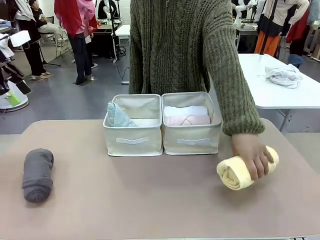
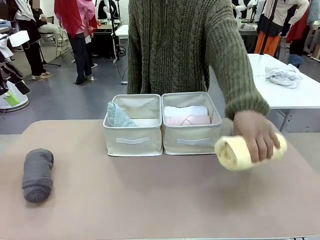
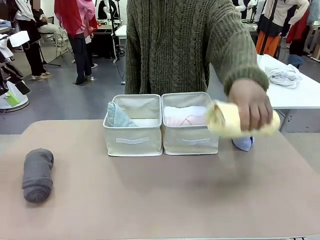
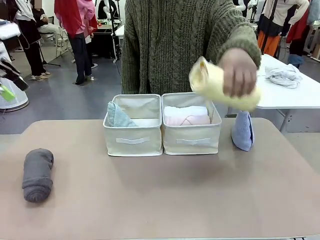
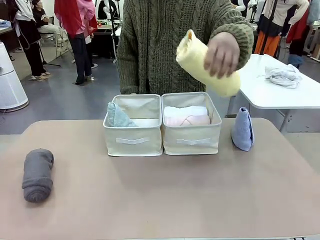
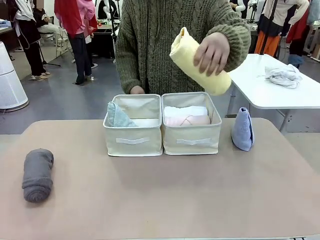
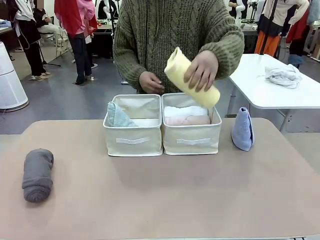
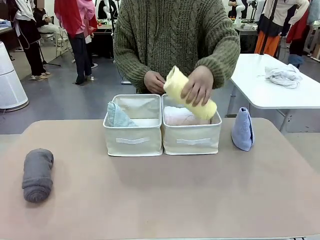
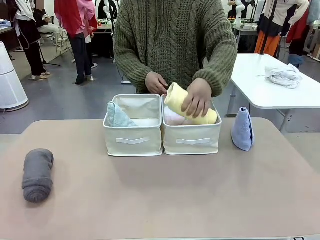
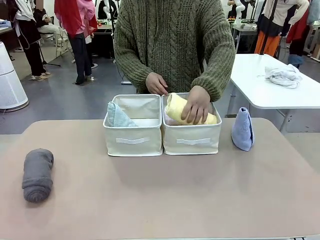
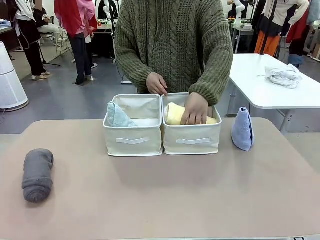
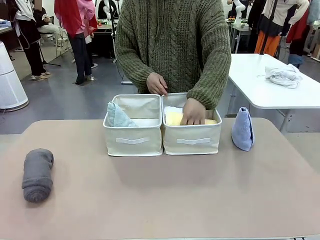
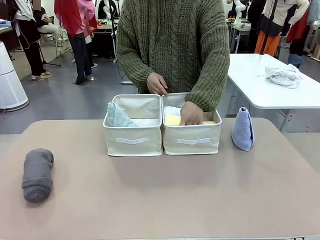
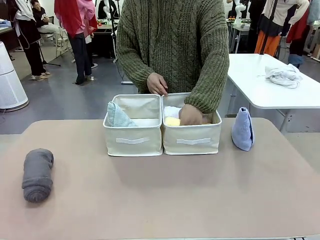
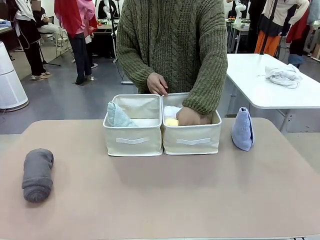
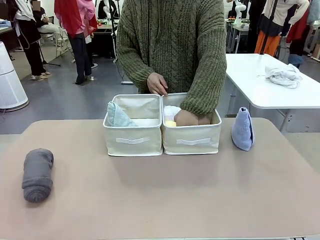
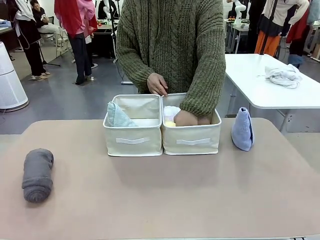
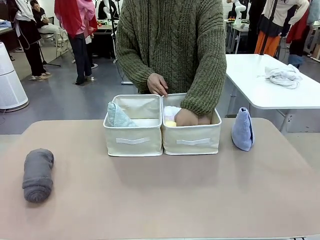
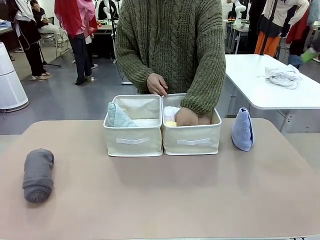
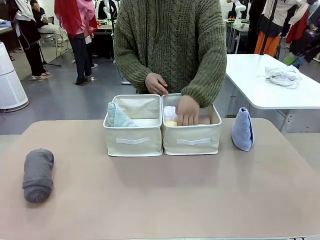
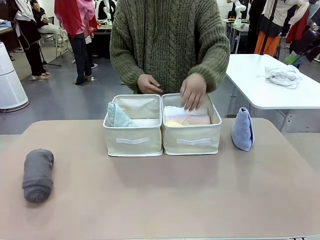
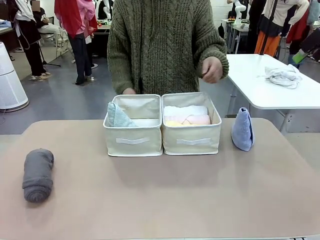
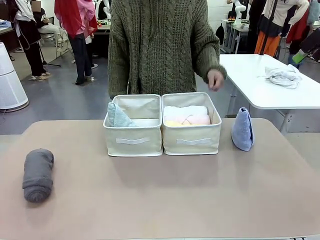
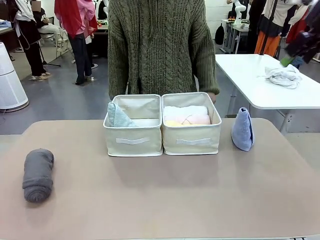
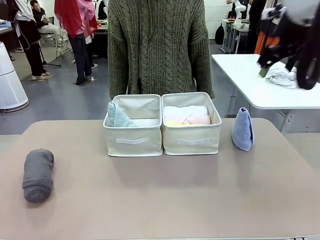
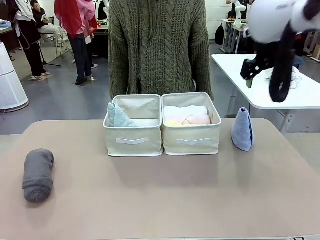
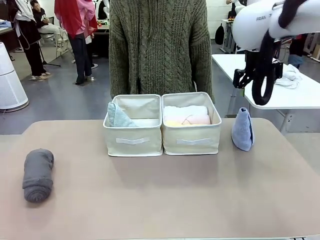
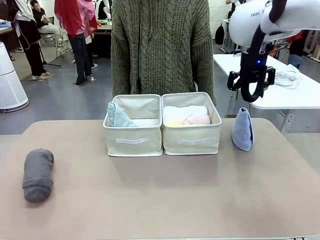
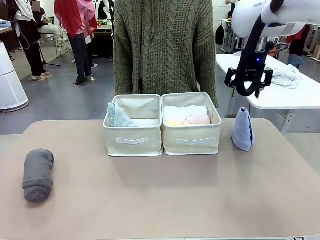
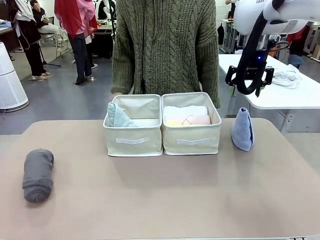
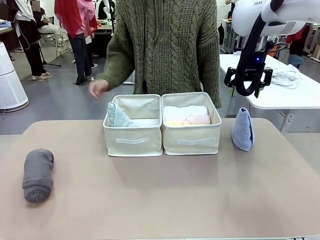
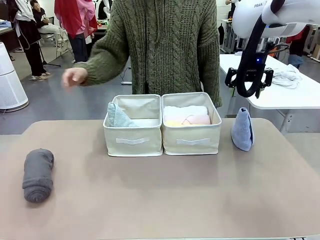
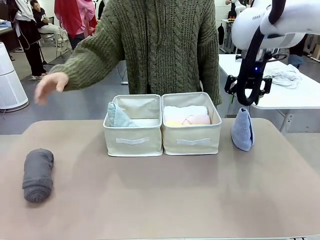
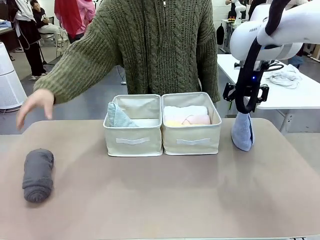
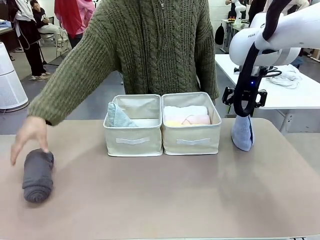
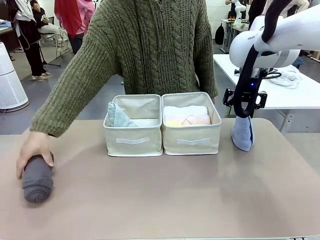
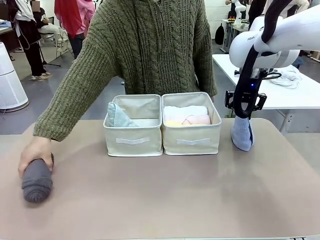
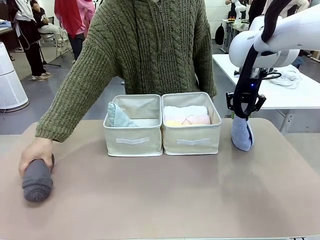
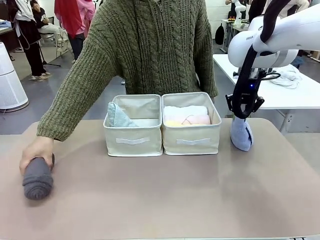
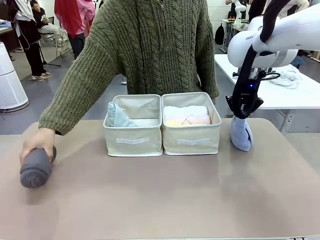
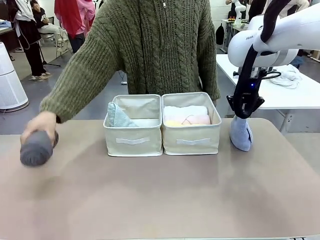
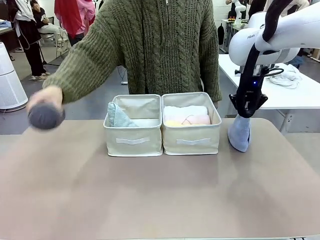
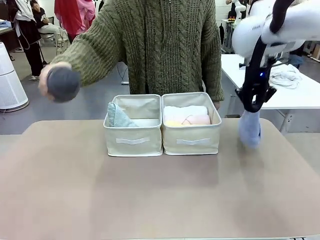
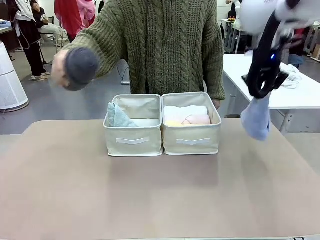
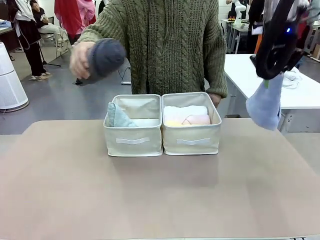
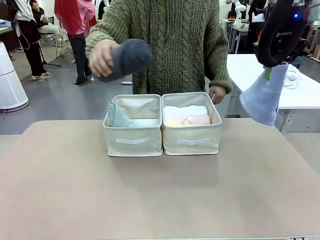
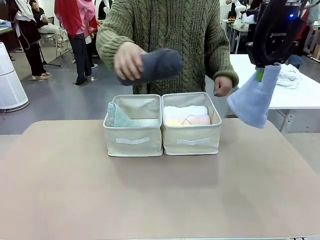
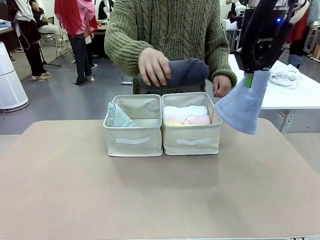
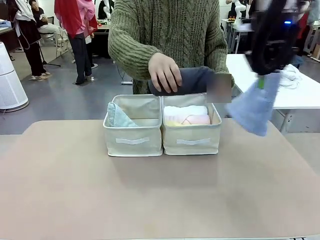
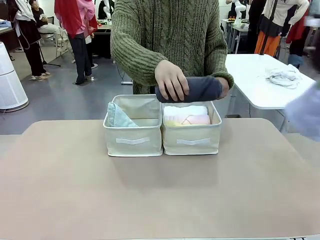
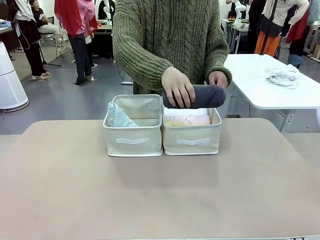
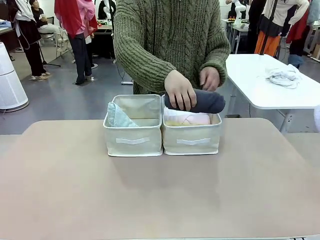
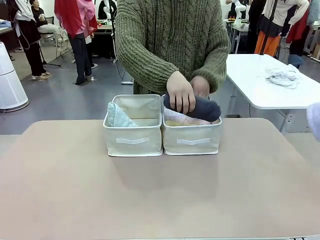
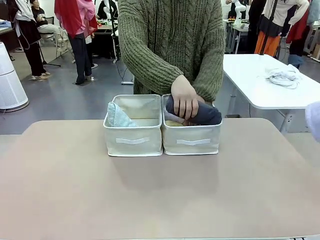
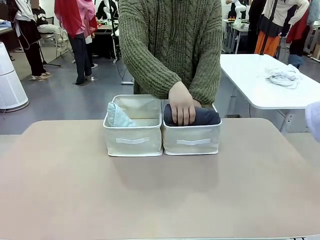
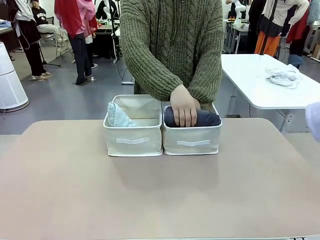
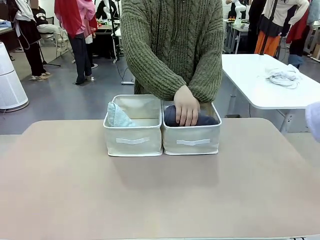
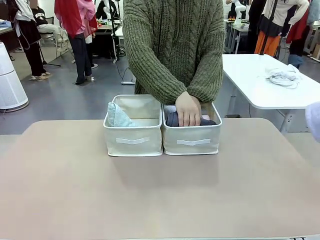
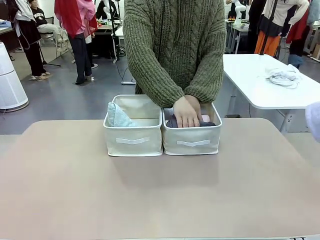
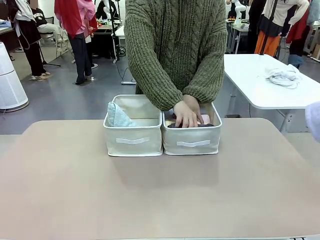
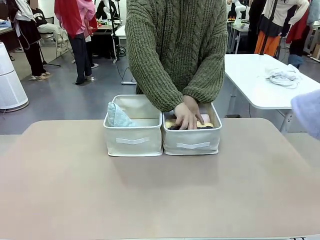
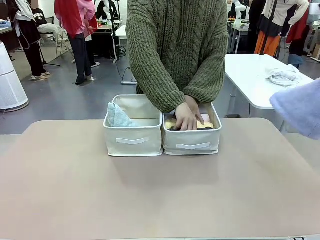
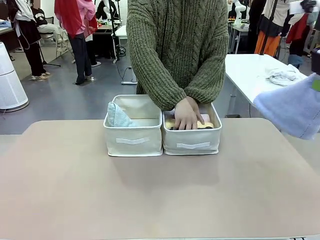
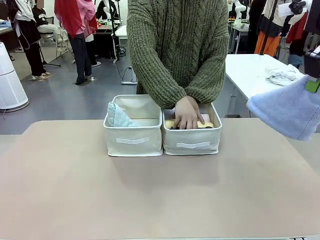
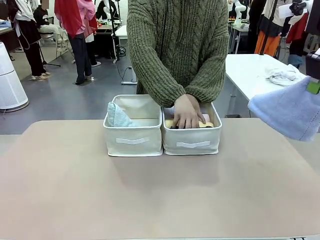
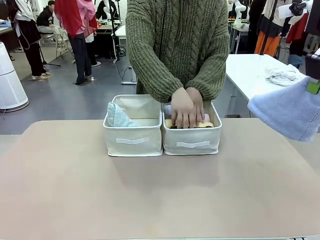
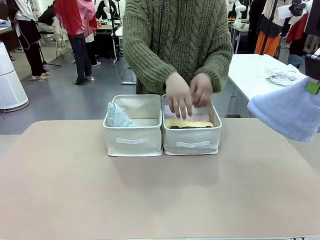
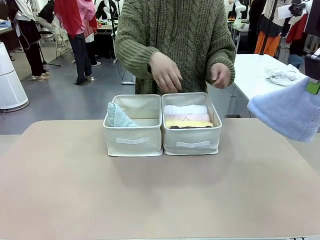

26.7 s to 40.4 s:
Task: Sort the towels based on their folding style.
Robot: Pick up another triangle-folded towel from the table and place it in the left Fabric basket.

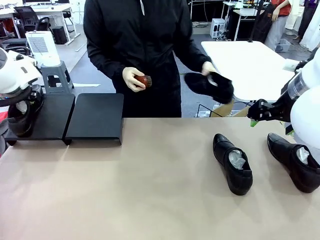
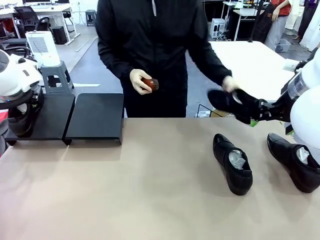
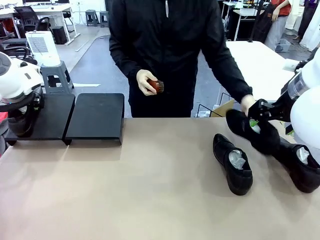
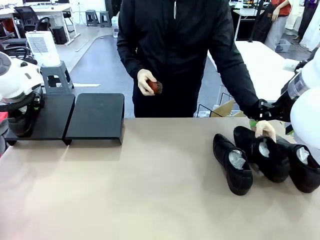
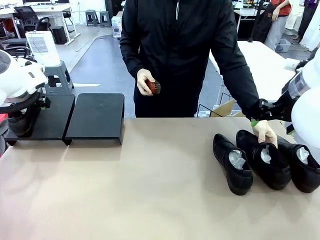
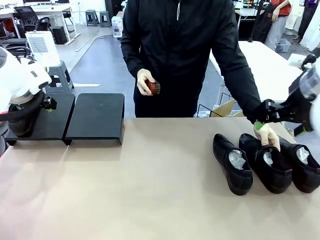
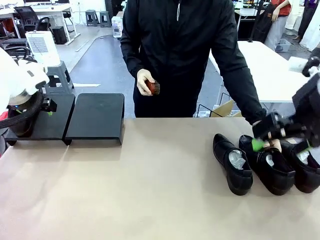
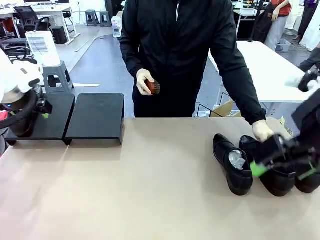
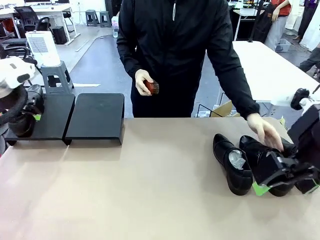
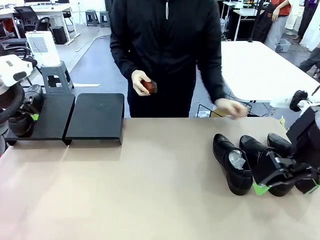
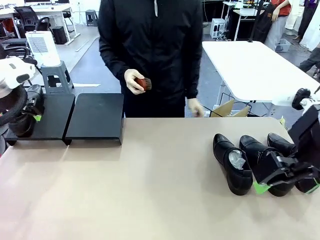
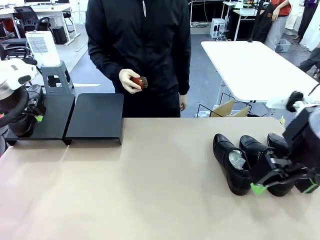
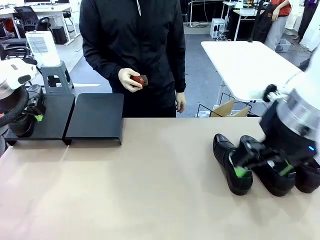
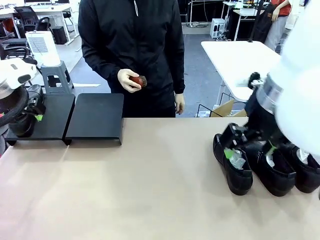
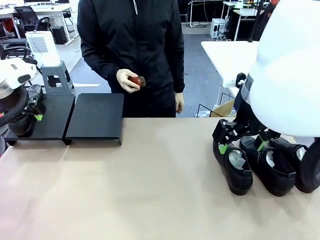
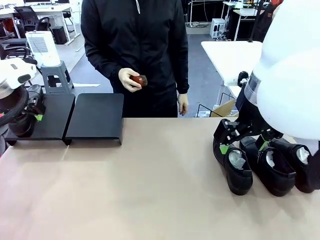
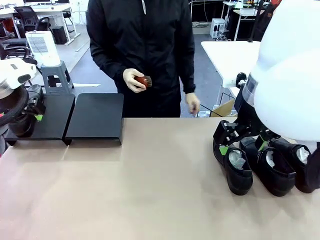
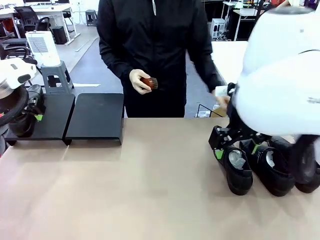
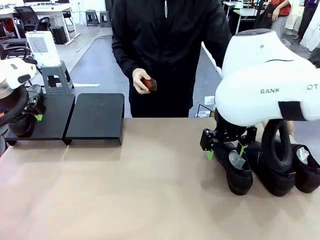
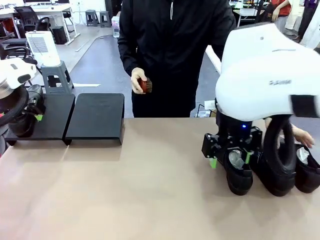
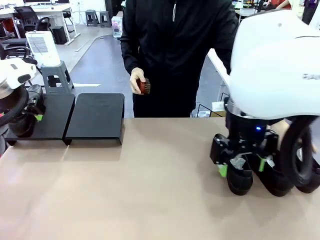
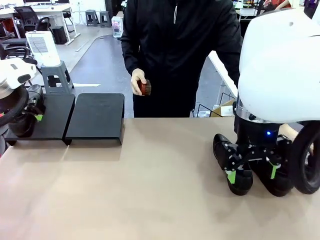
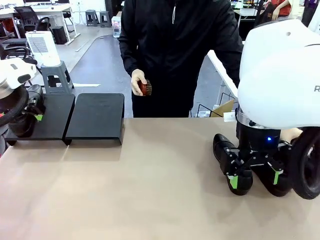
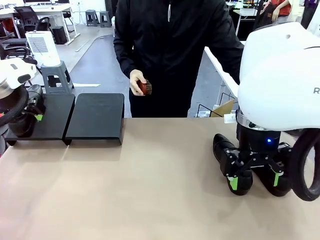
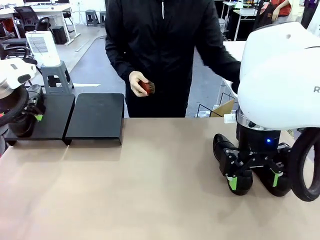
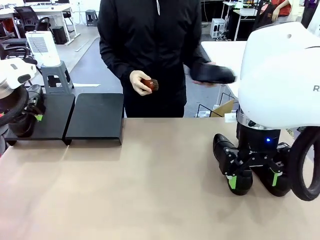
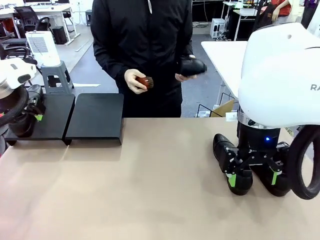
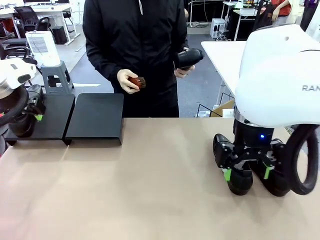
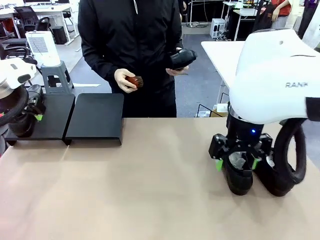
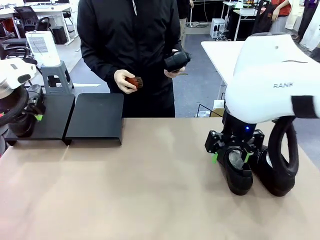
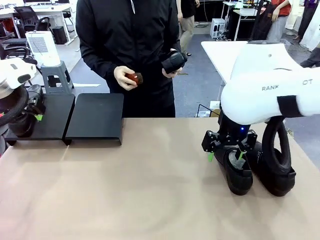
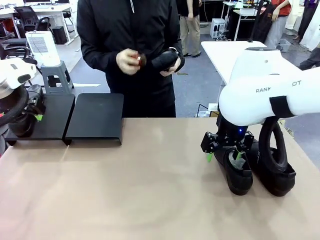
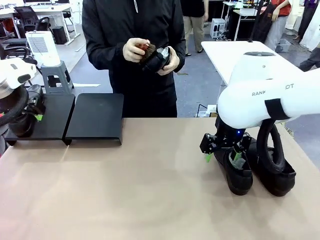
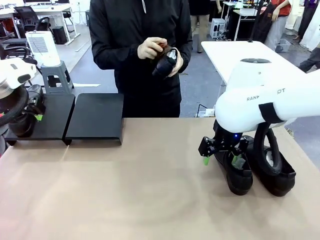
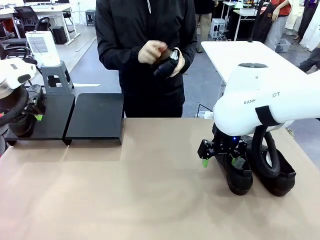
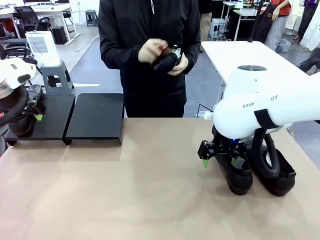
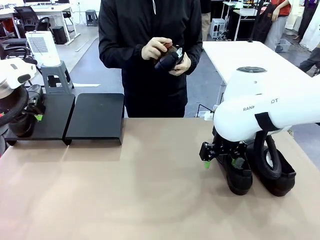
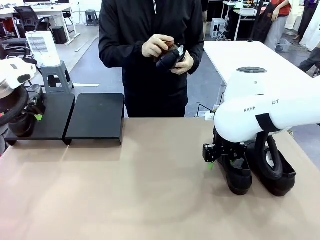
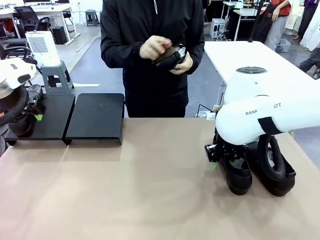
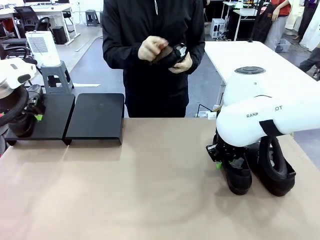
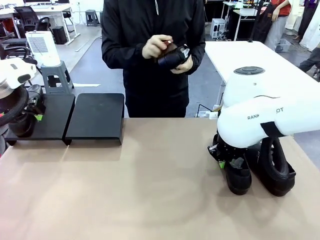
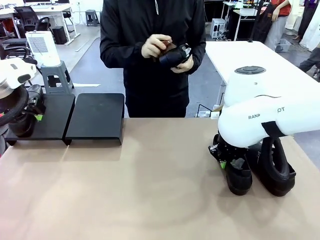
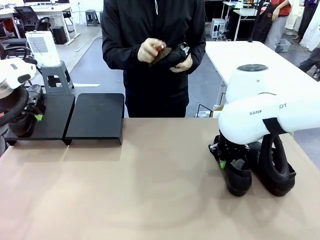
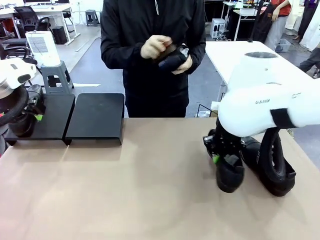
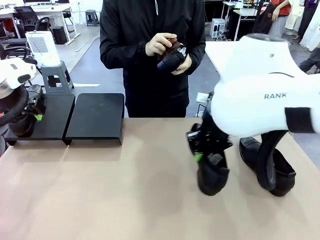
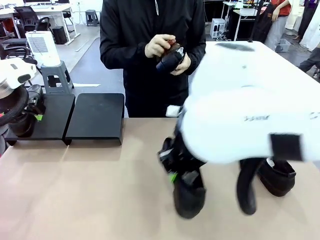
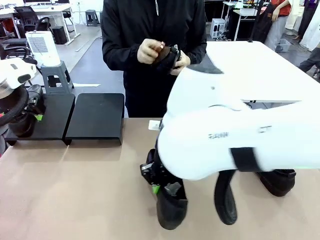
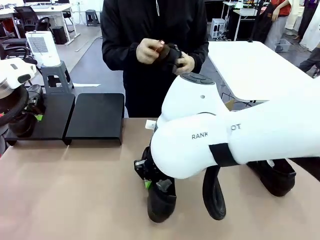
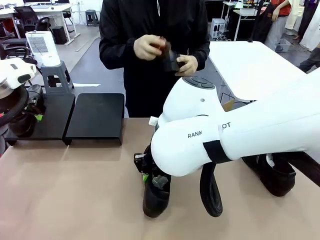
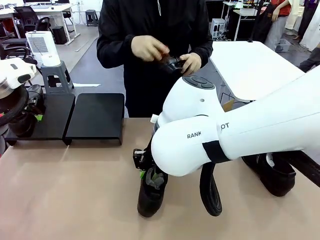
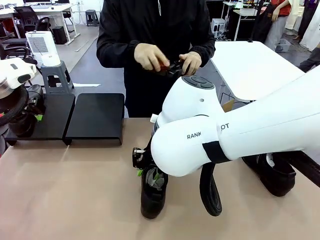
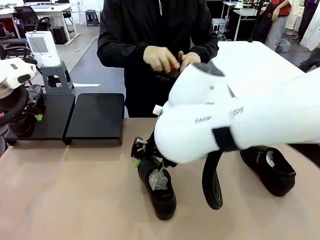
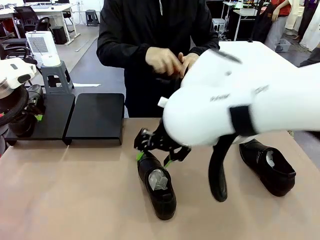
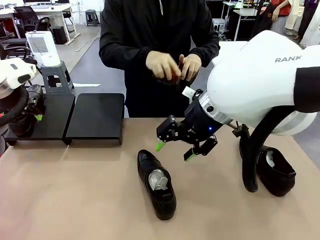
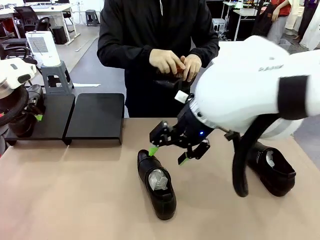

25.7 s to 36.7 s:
Task: Organize the shoes by placing them on the stand.
Robot: Pick up one Shoe and place it in the middle of the table.
Person: Place the Shoe on left side of the Robot's table. Pick one Shoe on Robot's table.
